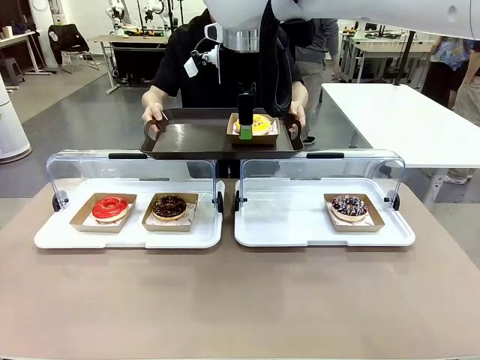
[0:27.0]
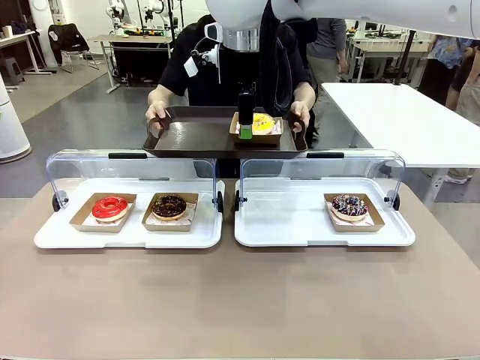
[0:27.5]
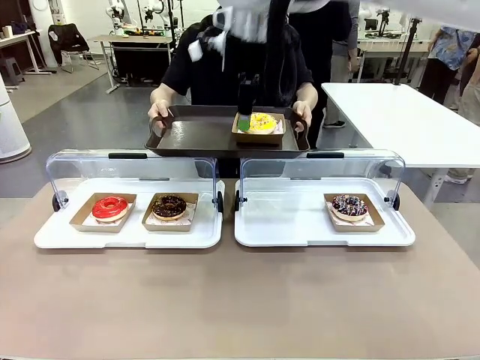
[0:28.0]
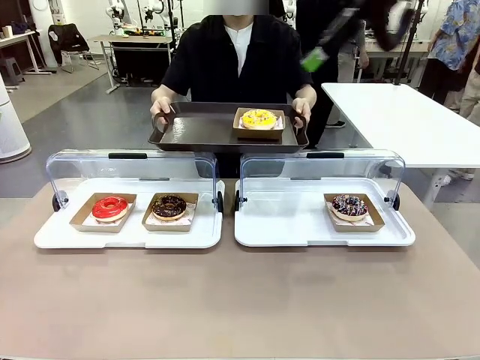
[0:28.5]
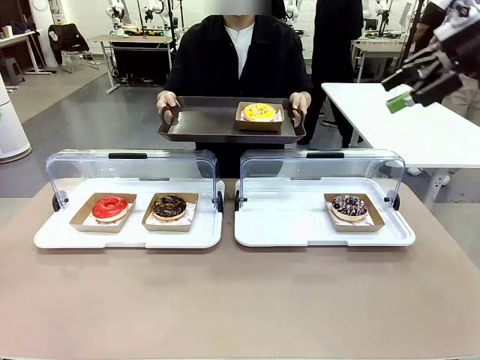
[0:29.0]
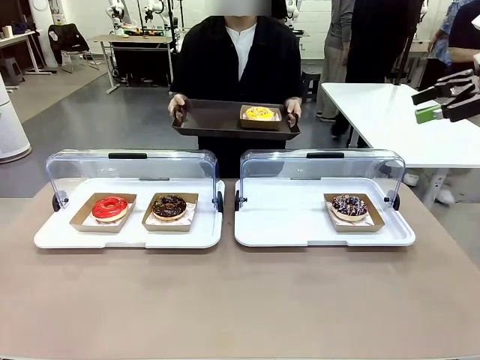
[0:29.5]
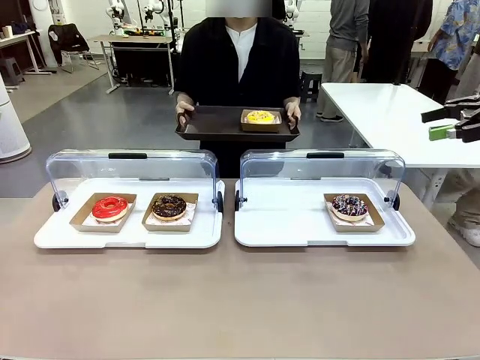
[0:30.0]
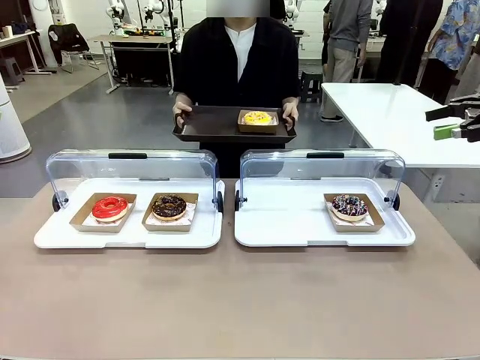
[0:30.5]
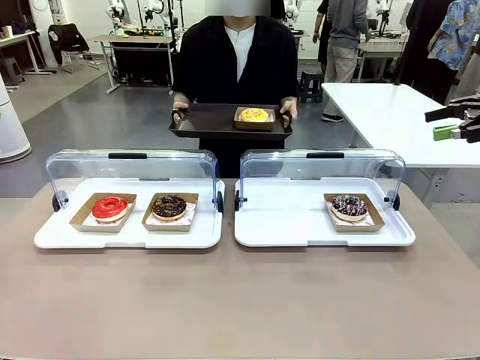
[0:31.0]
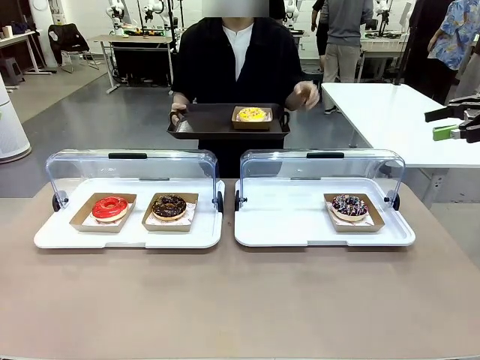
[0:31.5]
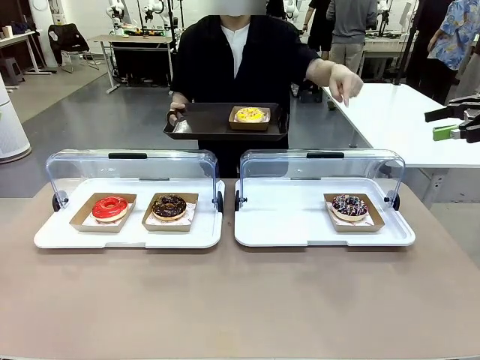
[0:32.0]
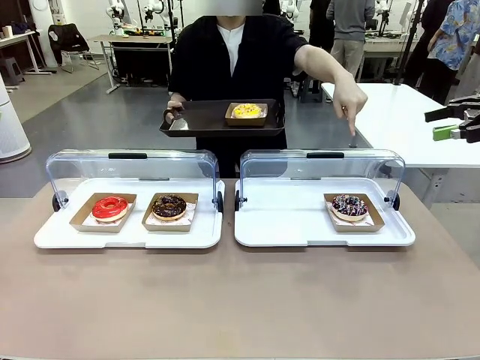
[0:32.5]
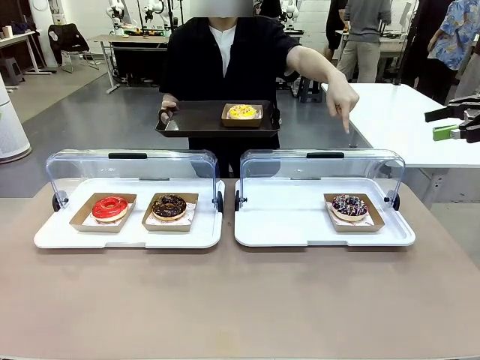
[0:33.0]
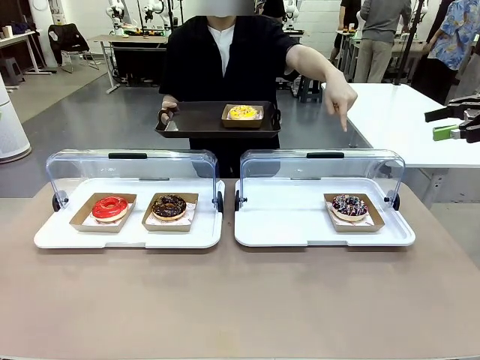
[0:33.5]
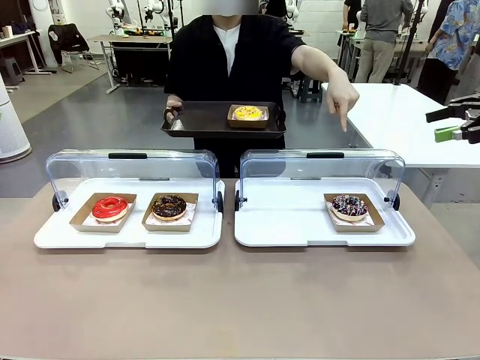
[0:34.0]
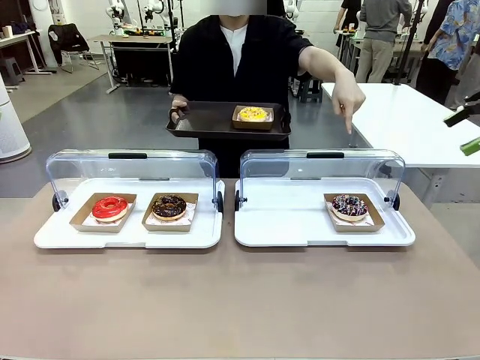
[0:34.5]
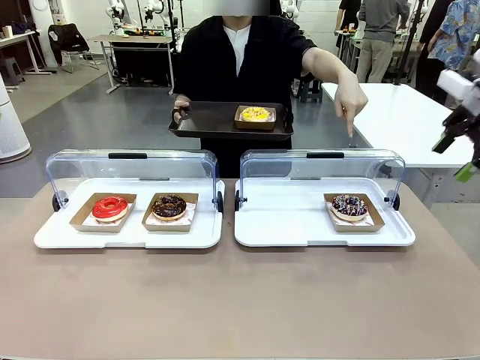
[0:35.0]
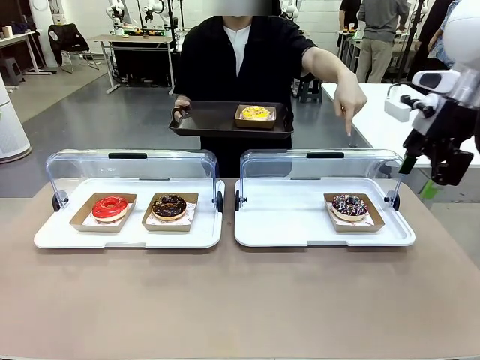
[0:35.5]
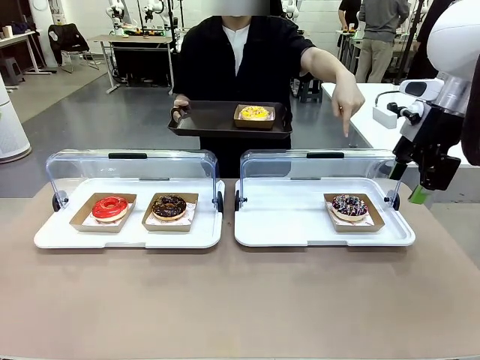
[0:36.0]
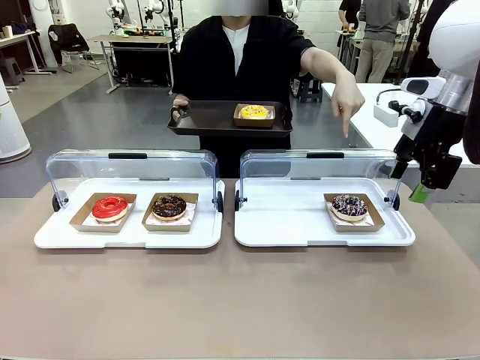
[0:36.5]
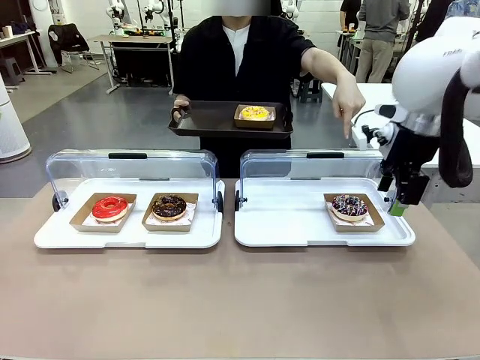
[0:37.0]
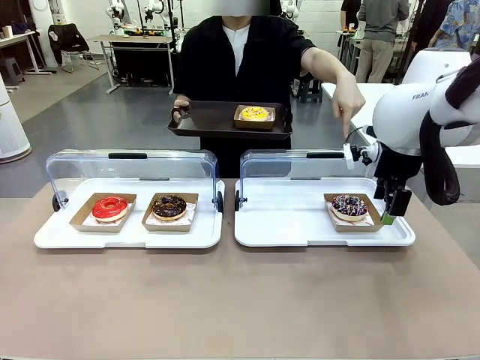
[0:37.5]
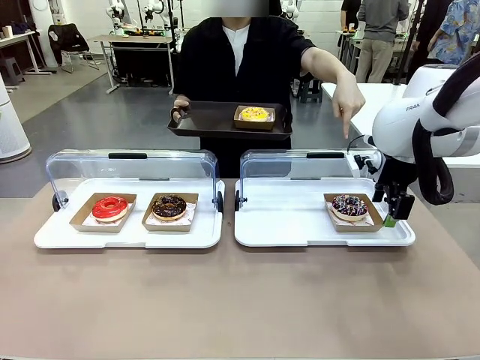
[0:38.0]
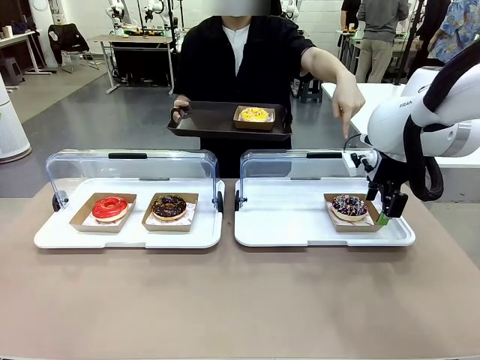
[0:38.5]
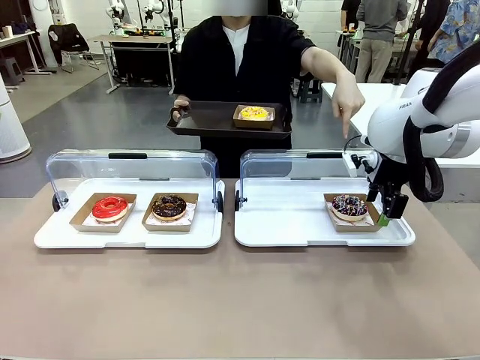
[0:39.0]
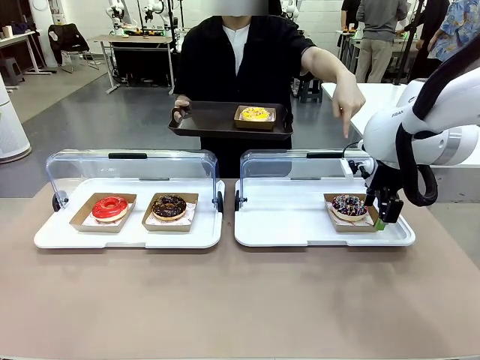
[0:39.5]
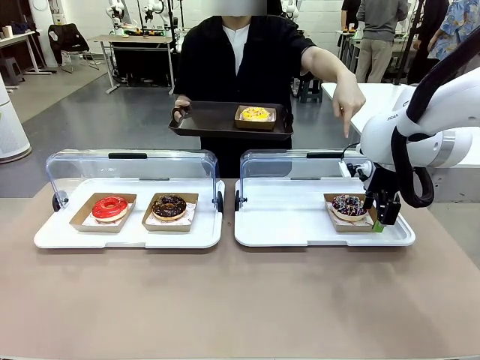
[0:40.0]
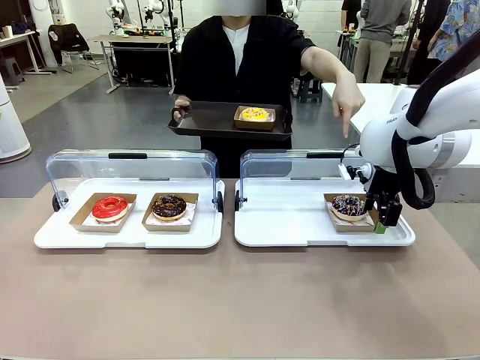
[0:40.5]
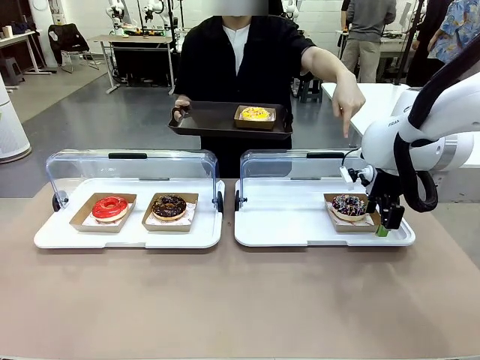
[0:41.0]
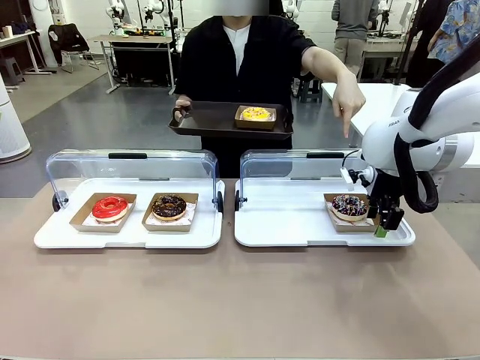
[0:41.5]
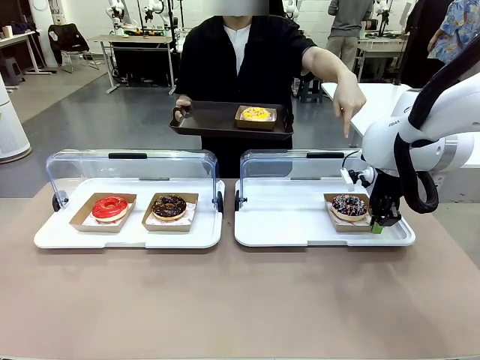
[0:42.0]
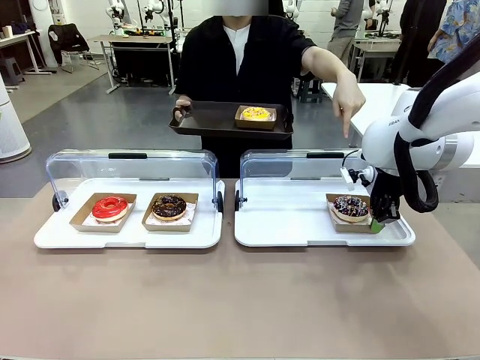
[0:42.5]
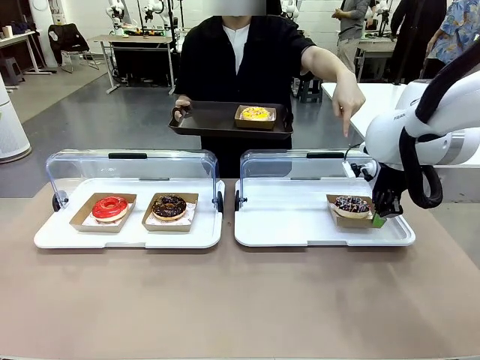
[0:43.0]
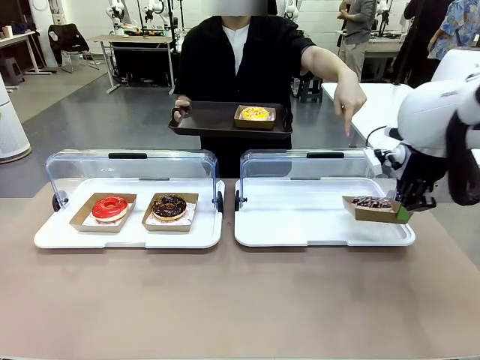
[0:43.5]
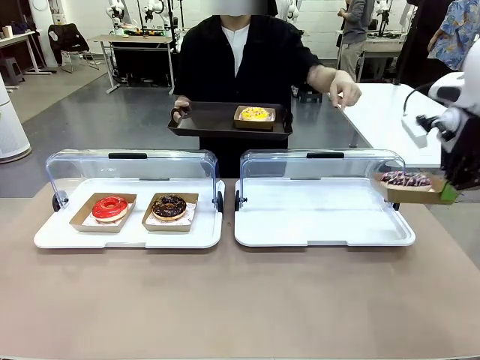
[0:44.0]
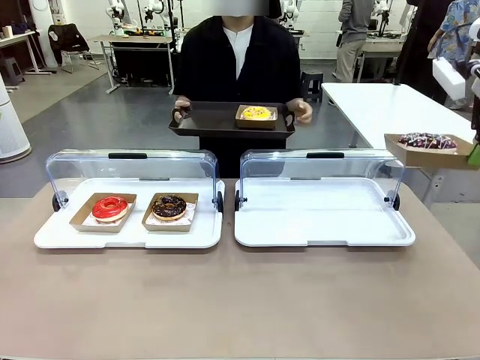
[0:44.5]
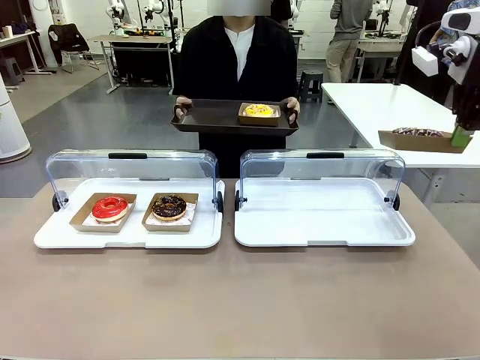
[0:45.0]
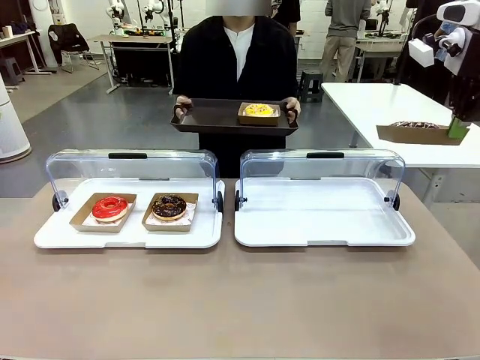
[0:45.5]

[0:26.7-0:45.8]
Task: Provide the desired donut to the person.
Robot: Pick up and lift the Paper togo box containing the Donut pointed at by the person.
Person: Point to one donut. Lift the tray onto the Roll-Top Bakery Case.

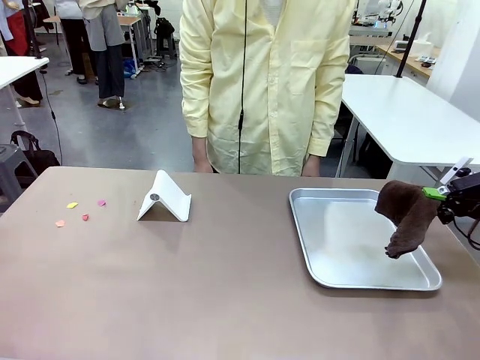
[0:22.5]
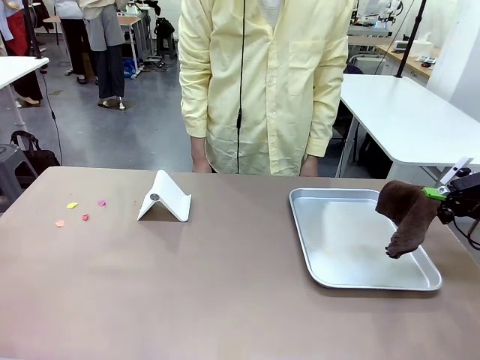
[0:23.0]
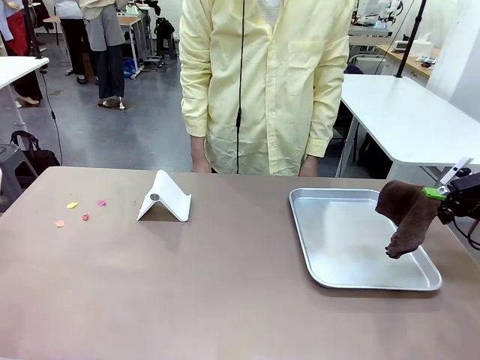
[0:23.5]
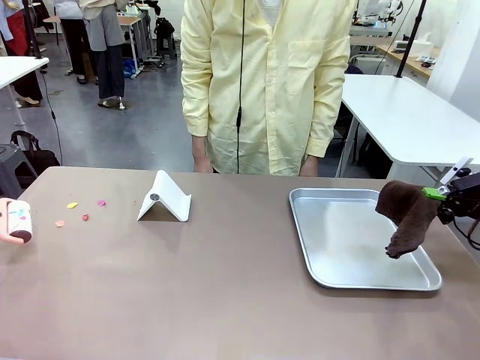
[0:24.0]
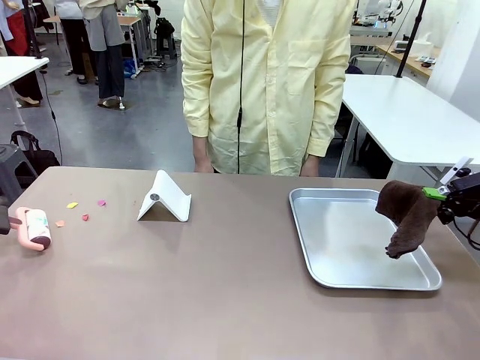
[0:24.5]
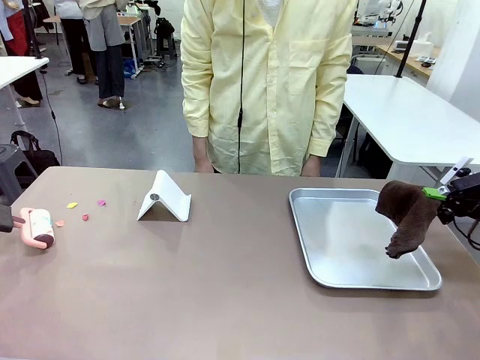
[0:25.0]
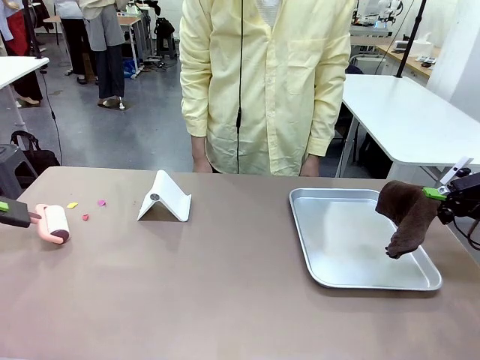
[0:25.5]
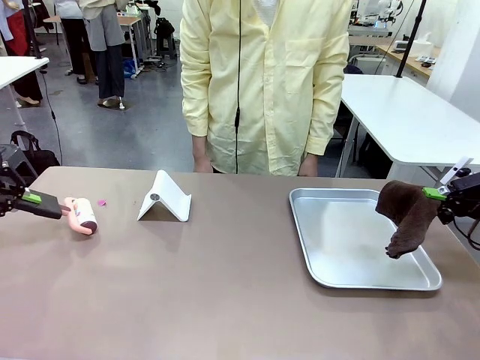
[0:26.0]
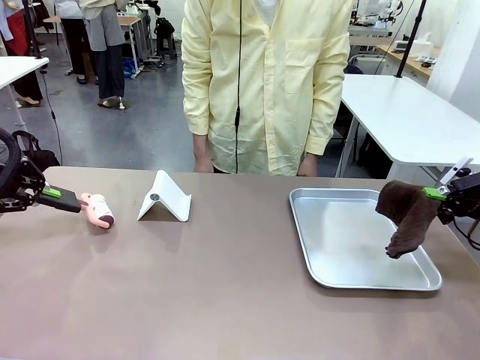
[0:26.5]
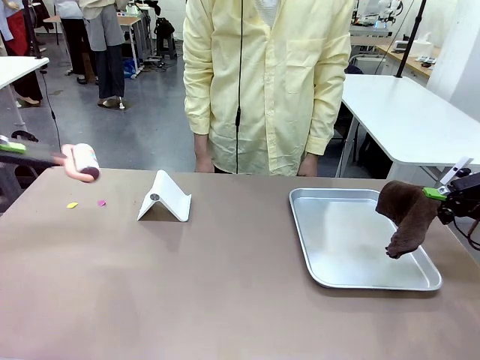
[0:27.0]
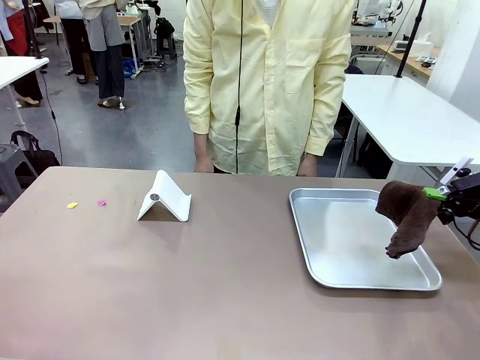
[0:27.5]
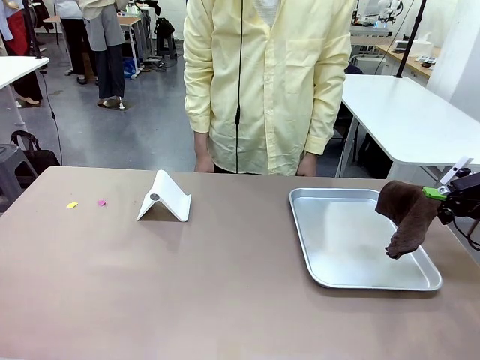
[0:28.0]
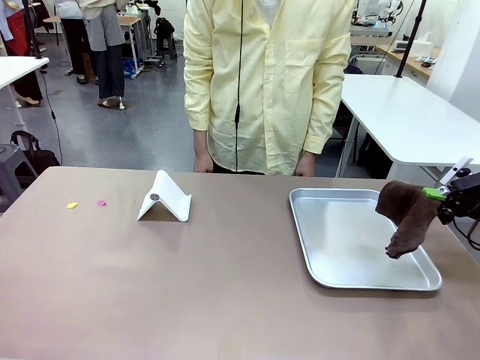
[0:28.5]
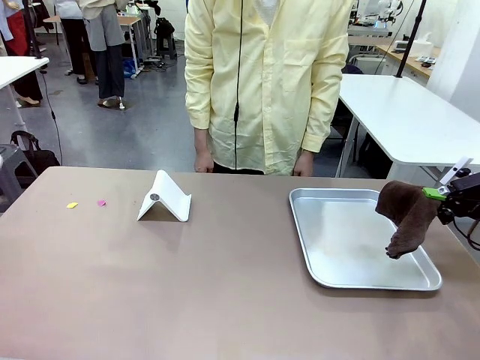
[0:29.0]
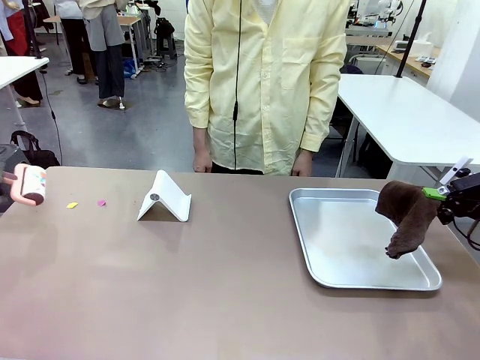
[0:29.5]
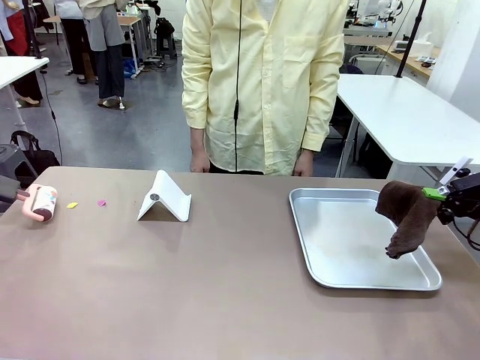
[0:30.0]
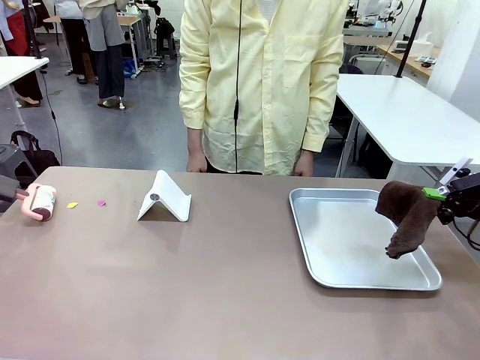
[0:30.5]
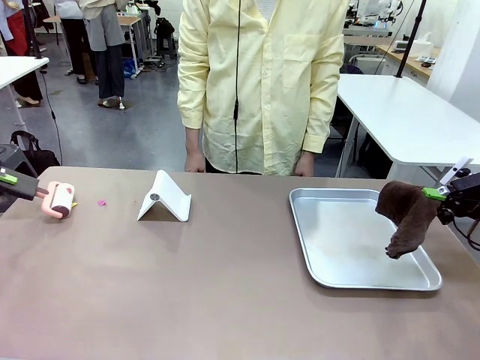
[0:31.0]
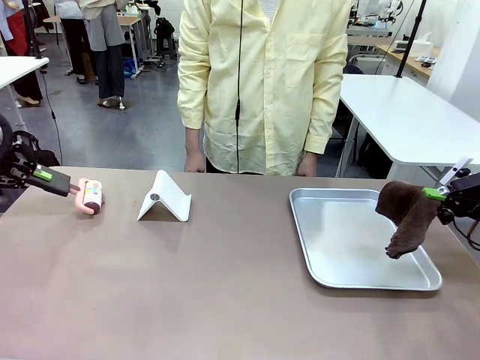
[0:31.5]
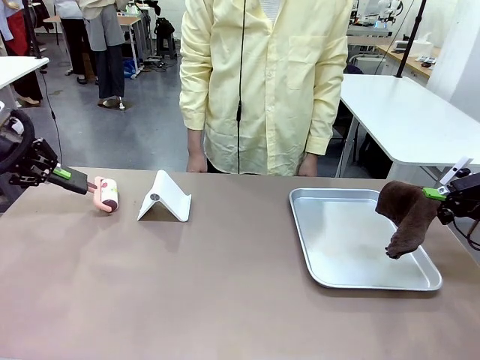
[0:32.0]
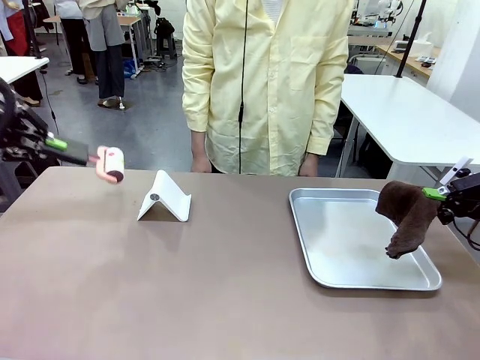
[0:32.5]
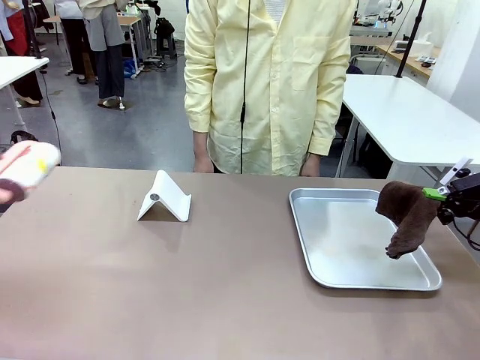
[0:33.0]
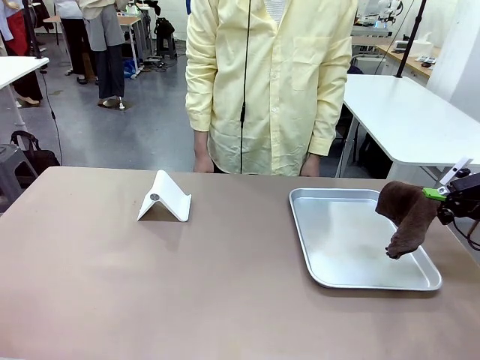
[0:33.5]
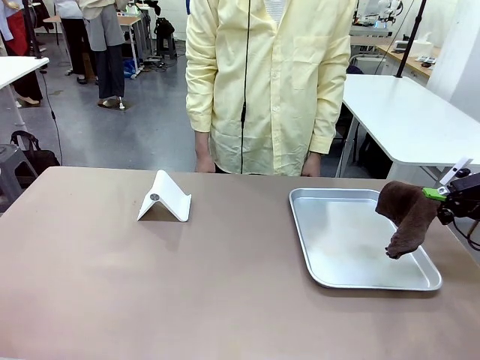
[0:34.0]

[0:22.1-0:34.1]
Task: Clean the surface of the table.
Robot: Clean the area not pointed to by the person.
